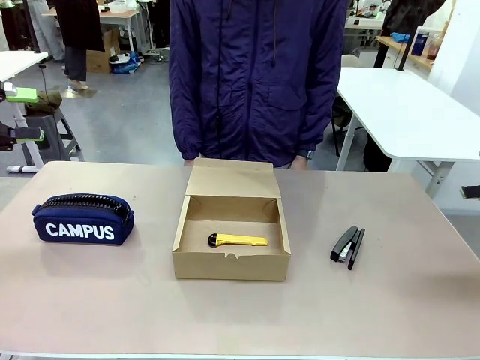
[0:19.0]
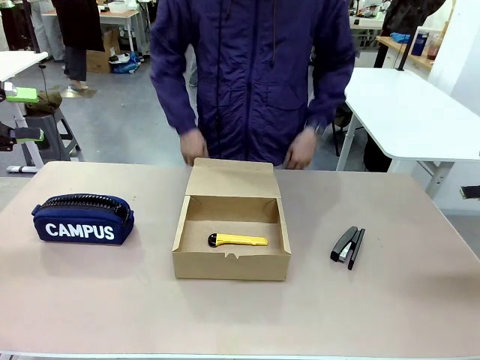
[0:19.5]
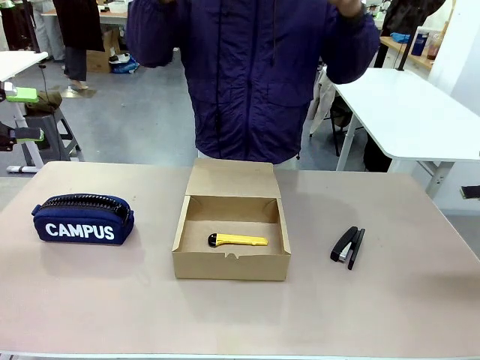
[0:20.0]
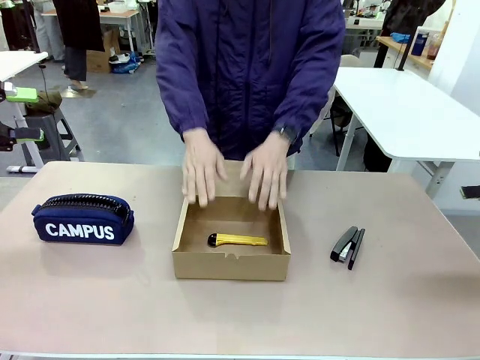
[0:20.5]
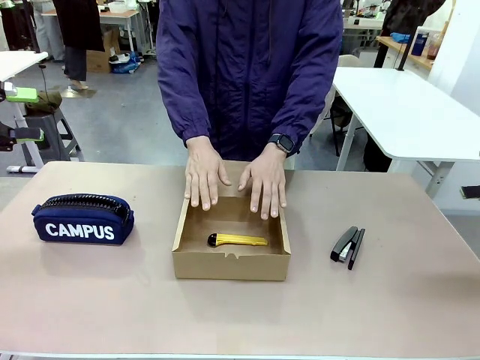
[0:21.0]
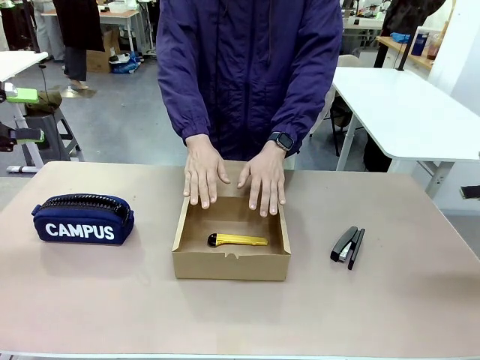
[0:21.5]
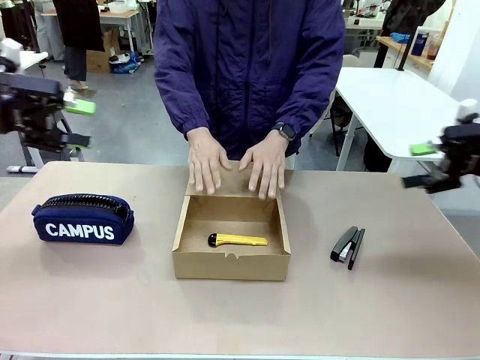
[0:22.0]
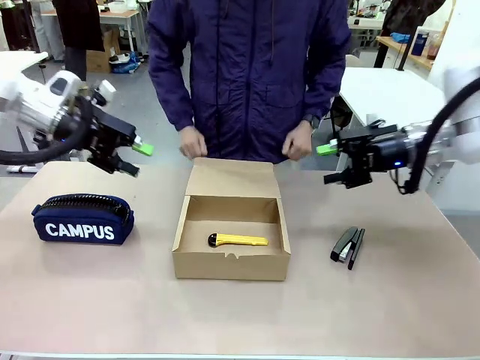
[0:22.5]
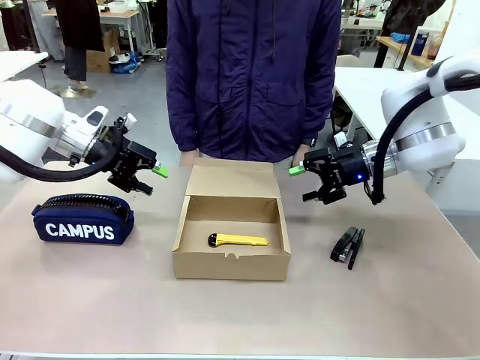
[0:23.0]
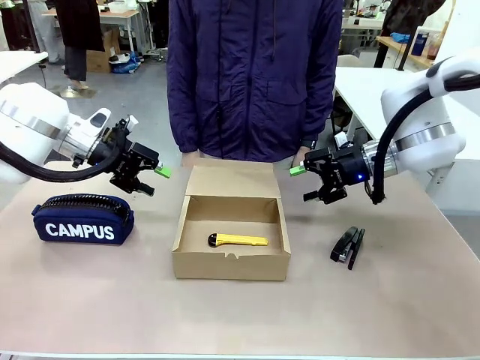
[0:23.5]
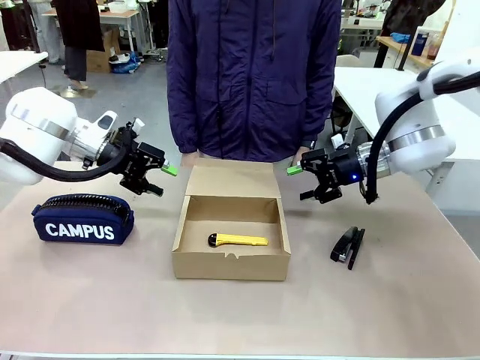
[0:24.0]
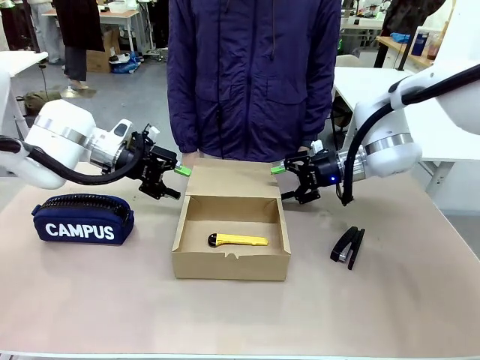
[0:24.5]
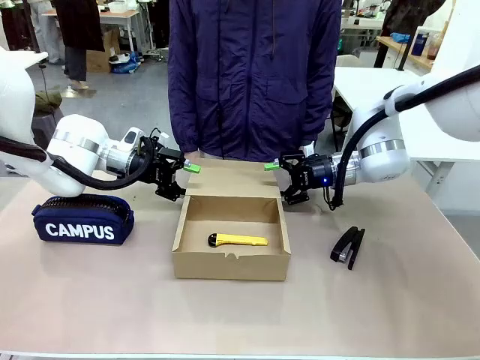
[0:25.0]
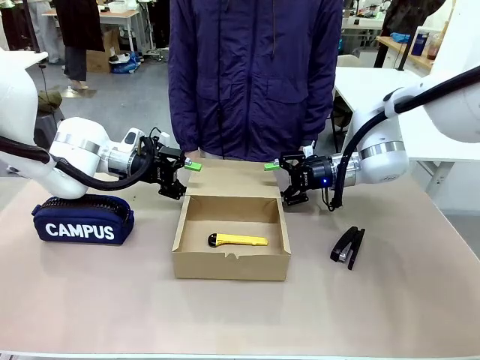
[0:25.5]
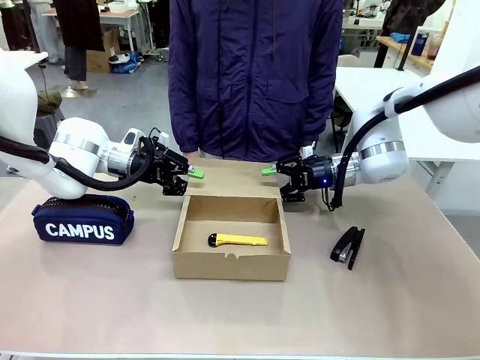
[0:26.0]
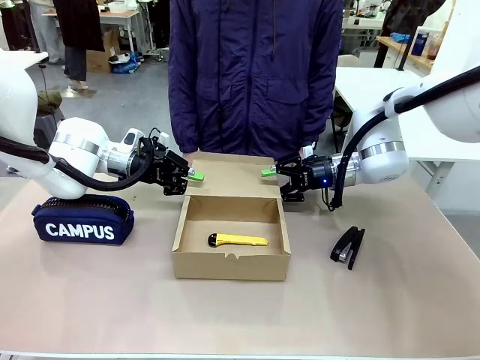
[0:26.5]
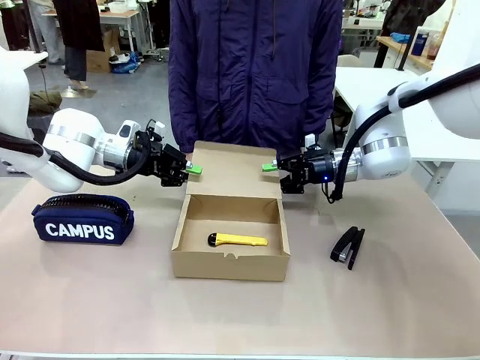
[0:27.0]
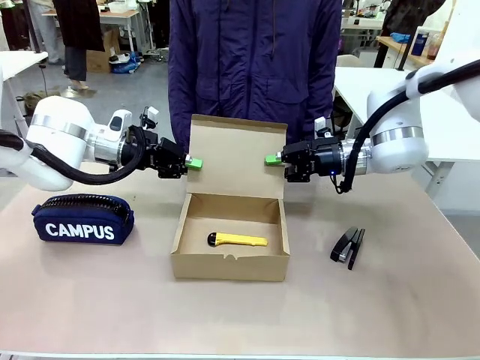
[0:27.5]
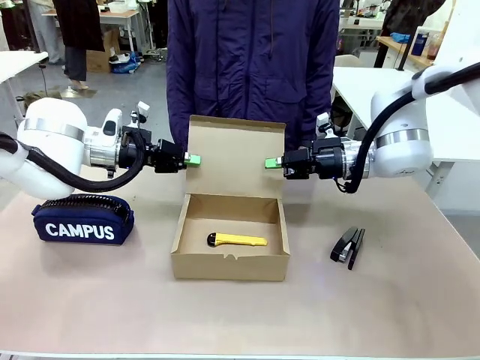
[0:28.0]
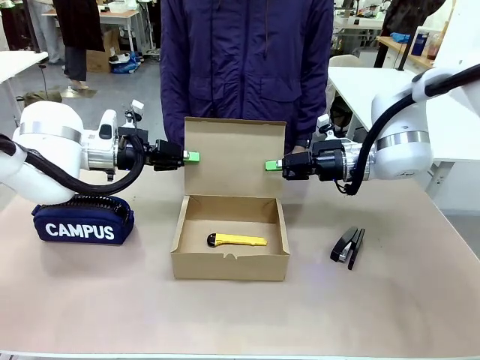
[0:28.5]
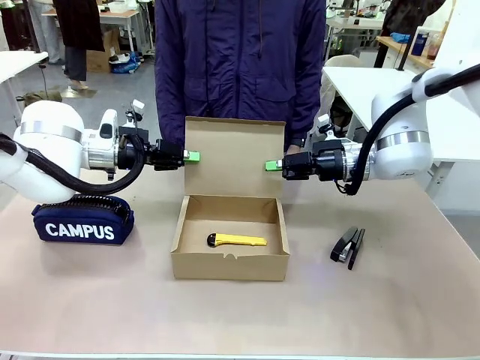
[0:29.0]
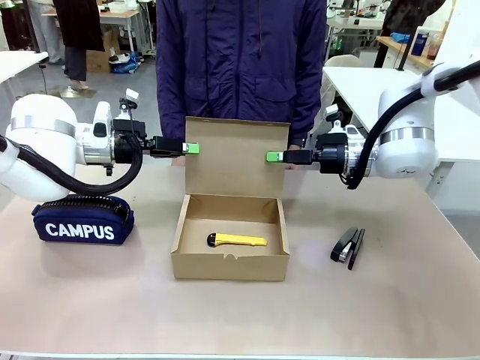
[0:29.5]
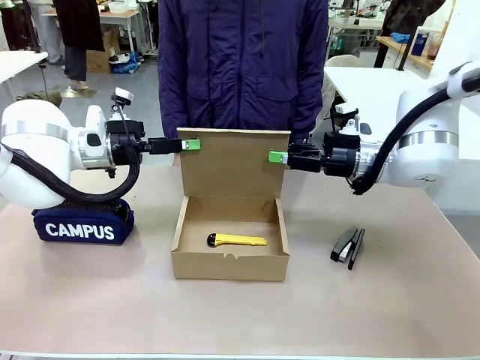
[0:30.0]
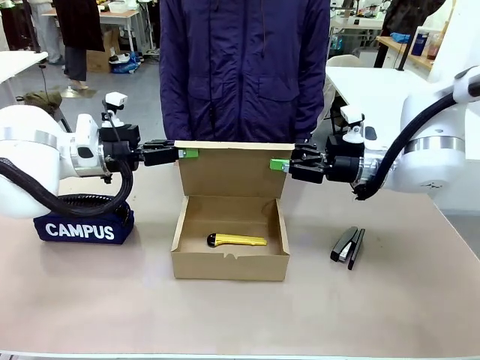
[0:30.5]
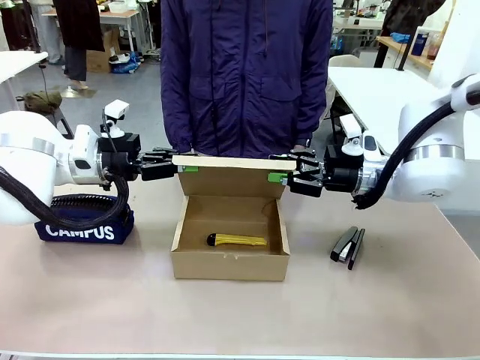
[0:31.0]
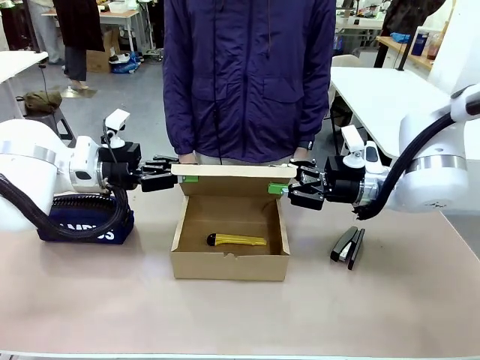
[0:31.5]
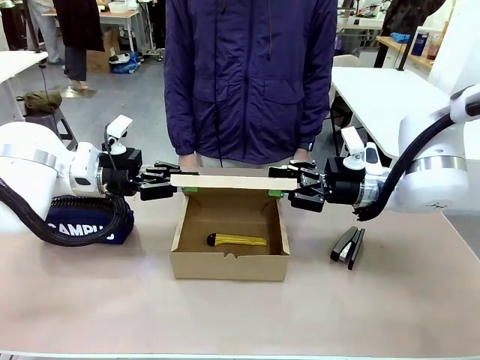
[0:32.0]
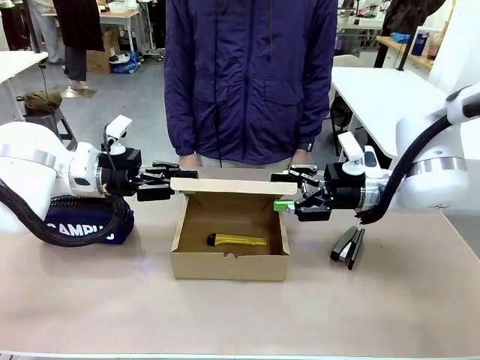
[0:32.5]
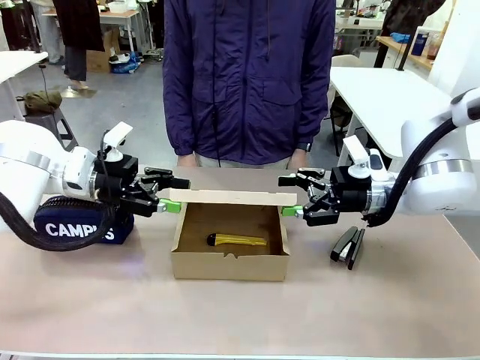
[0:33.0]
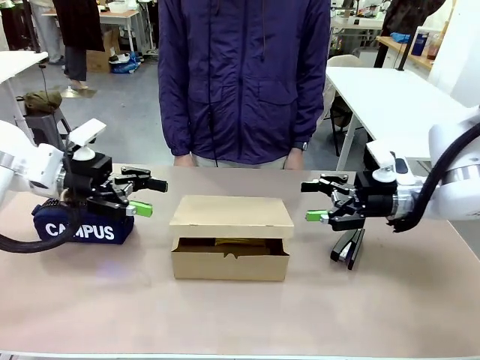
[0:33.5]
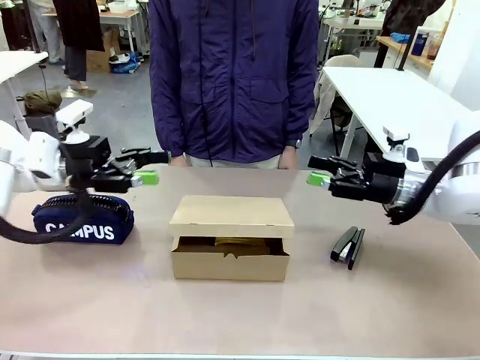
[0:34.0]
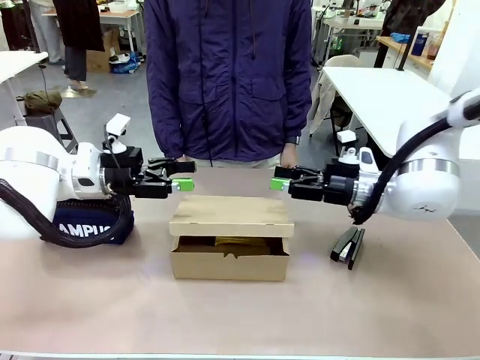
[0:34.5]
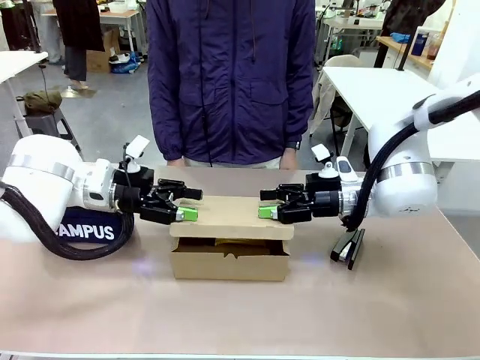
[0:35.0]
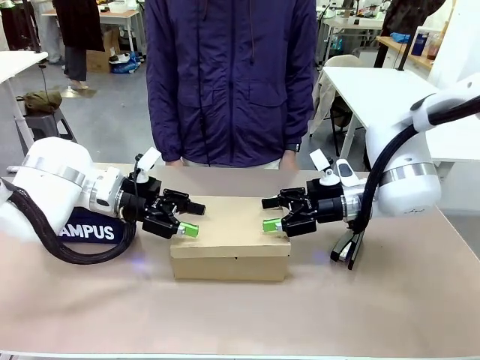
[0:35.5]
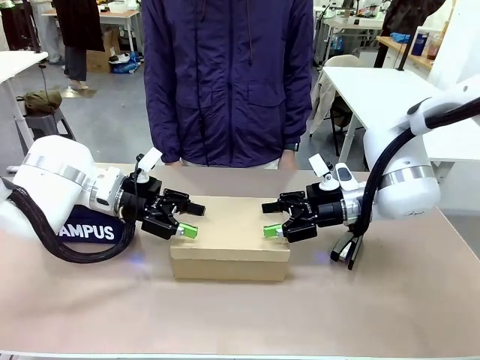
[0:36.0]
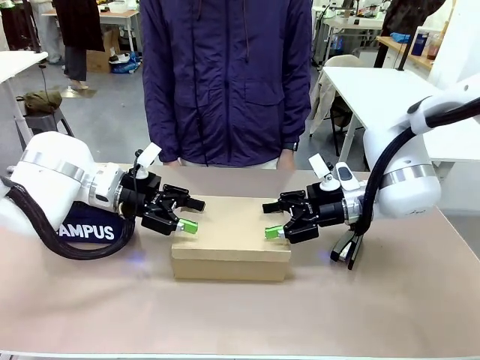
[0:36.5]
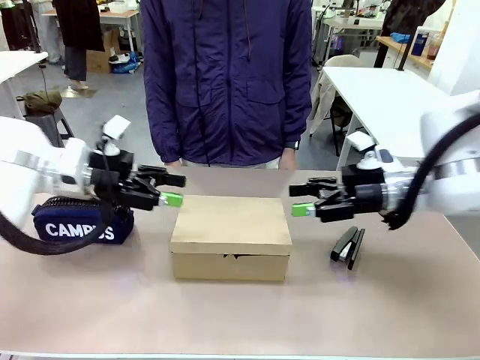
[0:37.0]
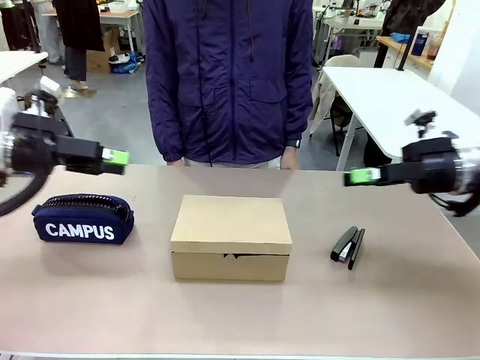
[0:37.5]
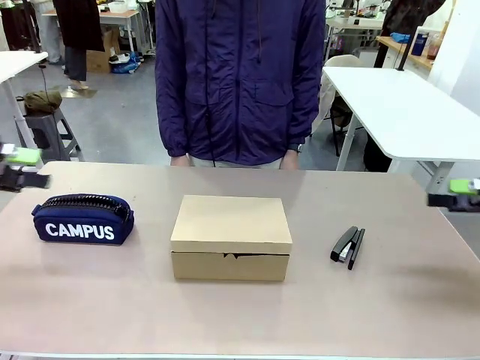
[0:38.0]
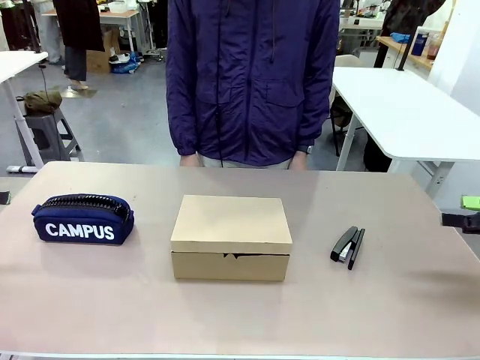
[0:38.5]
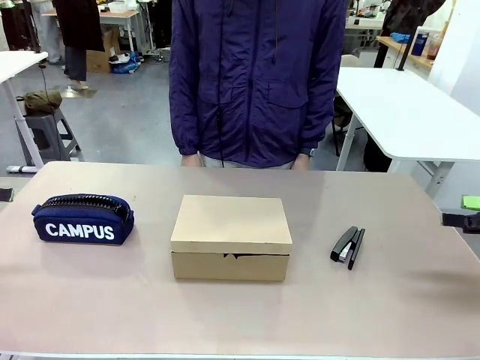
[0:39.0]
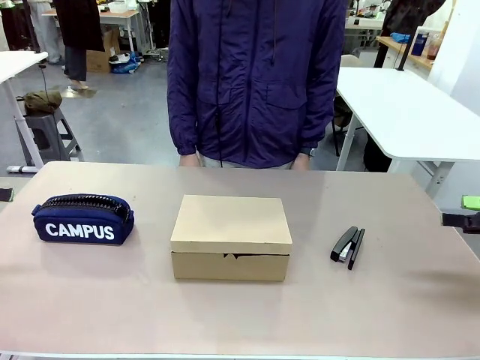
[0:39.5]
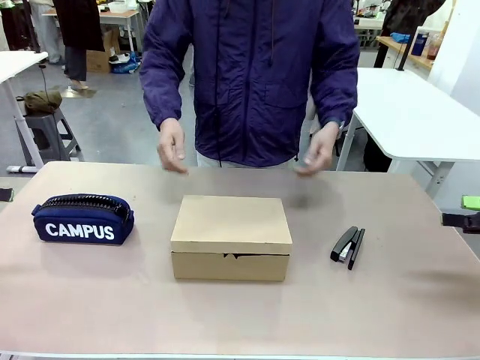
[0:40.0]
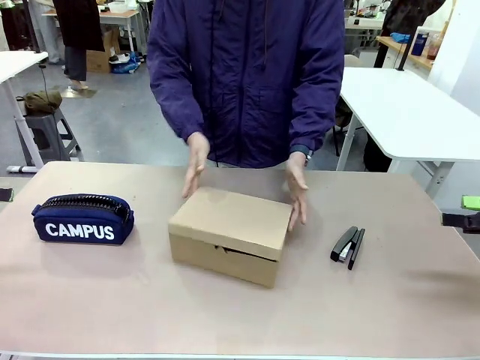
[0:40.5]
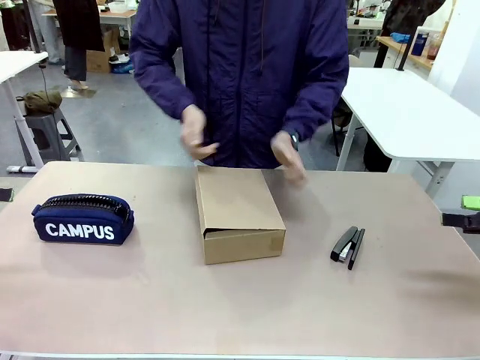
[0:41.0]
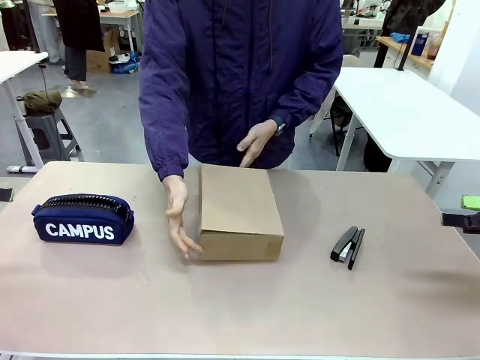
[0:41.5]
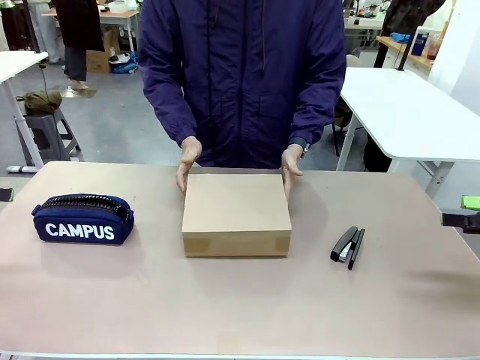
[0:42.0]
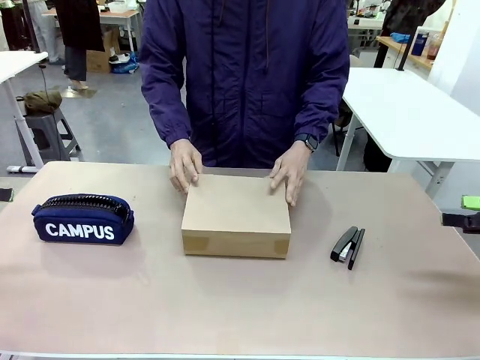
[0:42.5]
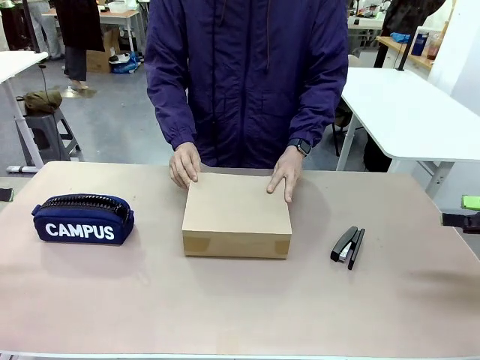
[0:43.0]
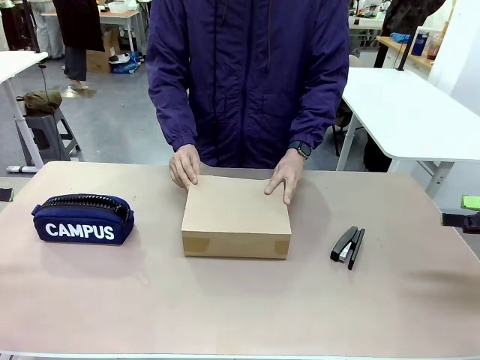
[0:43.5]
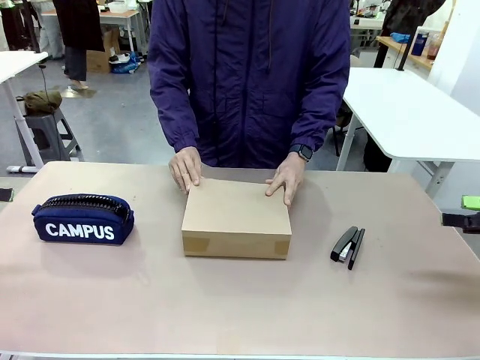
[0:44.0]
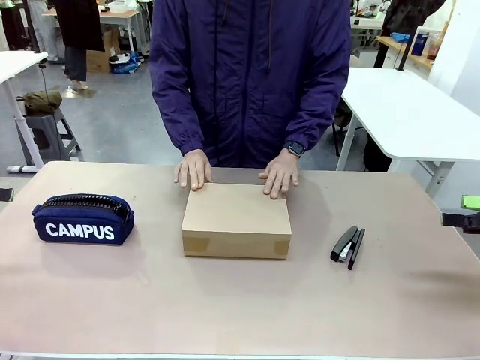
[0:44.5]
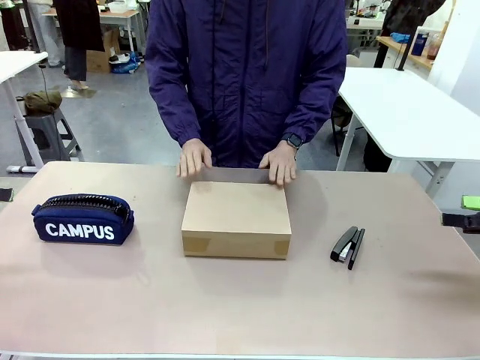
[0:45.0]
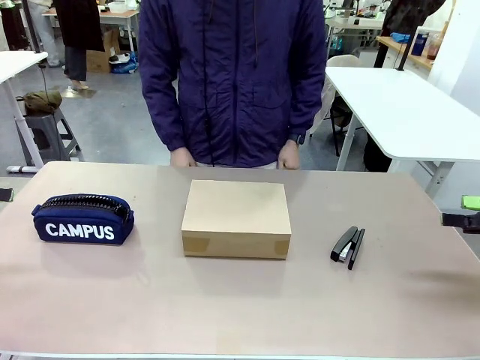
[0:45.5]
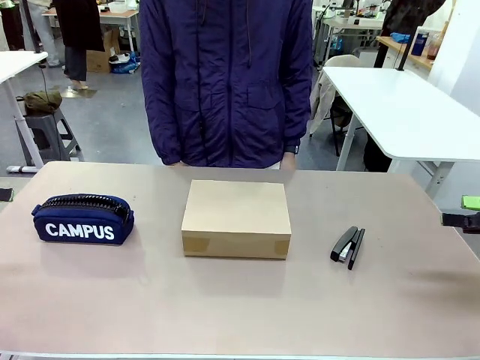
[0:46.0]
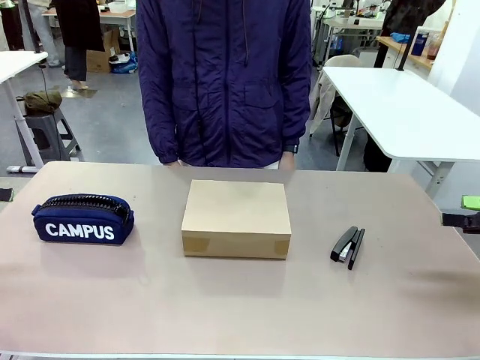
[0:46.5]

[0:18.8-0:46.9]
Task: Pack the item into the box.
Robot: Close the Mailer Box.
Person: Lower both hands vertically with palms facing downward, as if pressing something closed. Turn the box and lock it.
